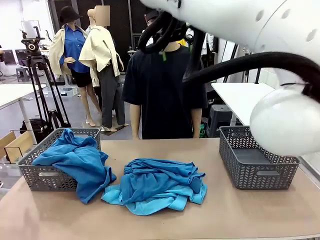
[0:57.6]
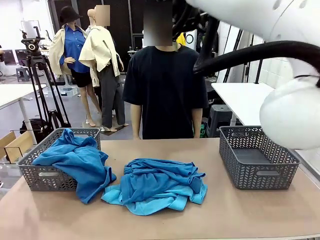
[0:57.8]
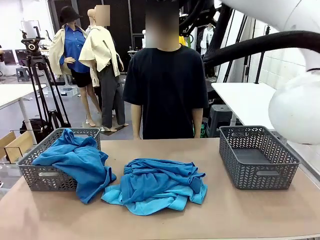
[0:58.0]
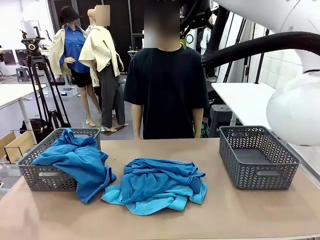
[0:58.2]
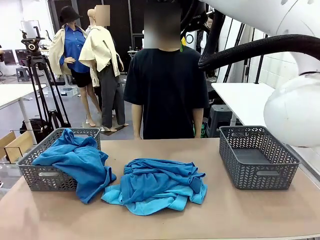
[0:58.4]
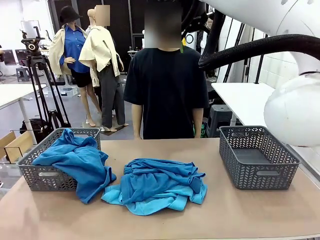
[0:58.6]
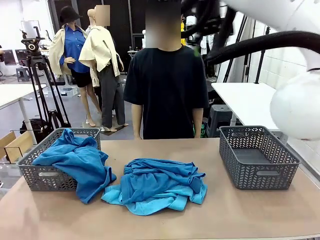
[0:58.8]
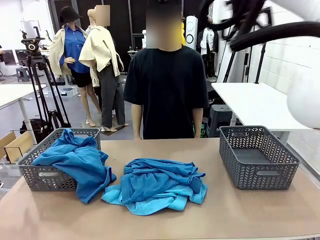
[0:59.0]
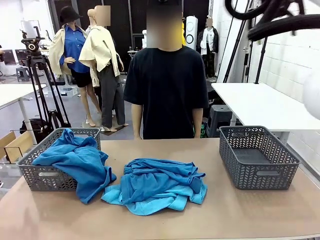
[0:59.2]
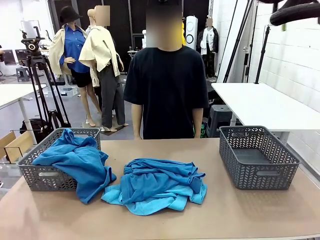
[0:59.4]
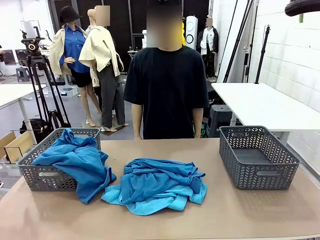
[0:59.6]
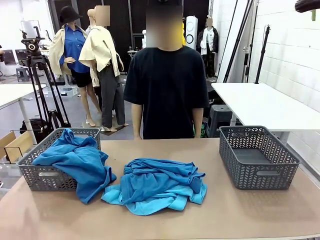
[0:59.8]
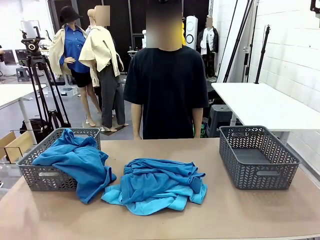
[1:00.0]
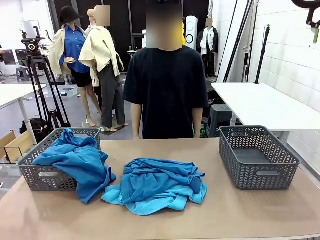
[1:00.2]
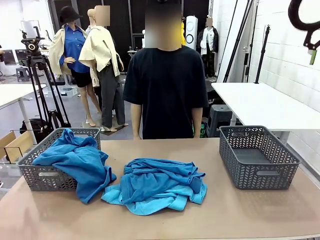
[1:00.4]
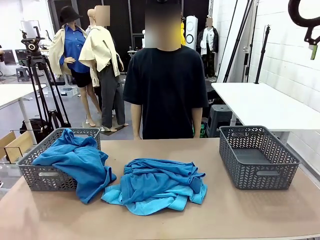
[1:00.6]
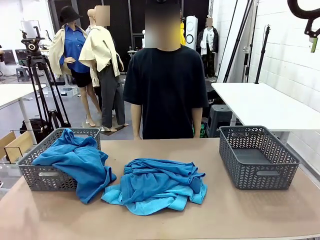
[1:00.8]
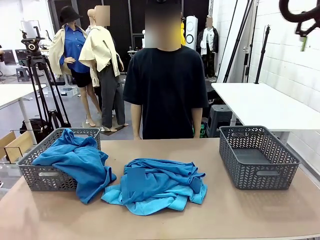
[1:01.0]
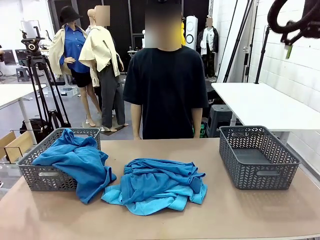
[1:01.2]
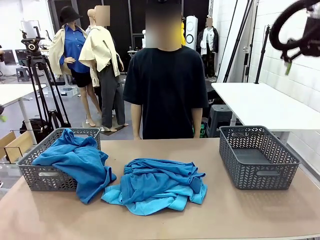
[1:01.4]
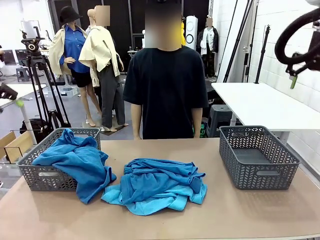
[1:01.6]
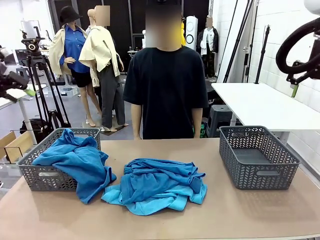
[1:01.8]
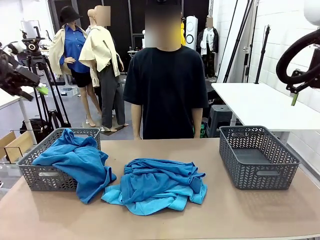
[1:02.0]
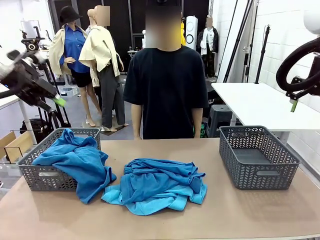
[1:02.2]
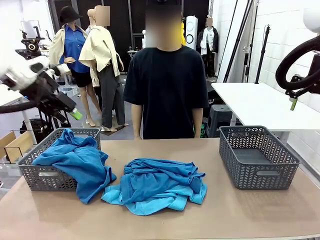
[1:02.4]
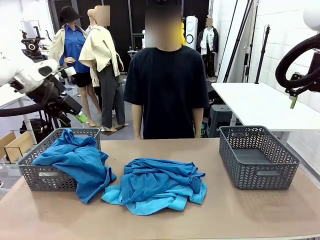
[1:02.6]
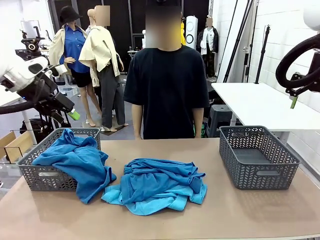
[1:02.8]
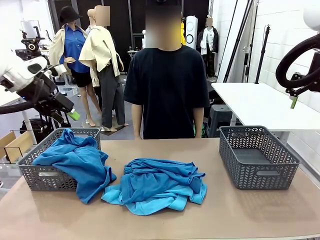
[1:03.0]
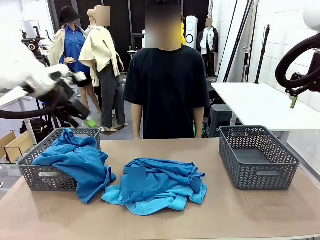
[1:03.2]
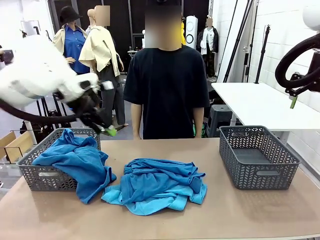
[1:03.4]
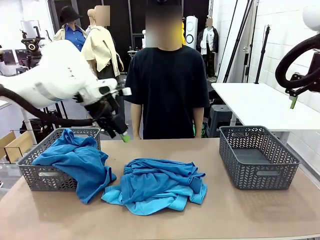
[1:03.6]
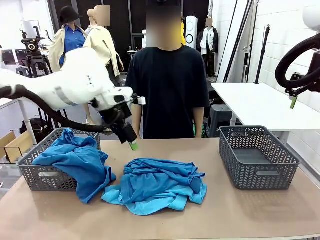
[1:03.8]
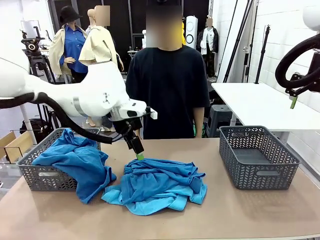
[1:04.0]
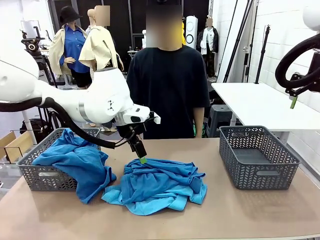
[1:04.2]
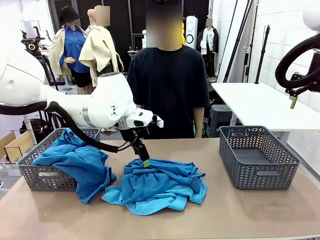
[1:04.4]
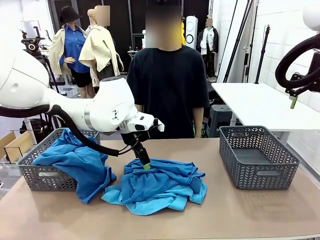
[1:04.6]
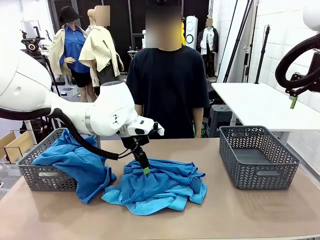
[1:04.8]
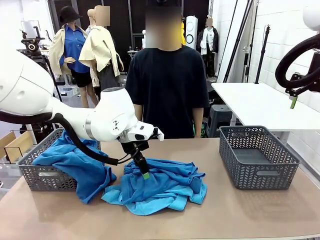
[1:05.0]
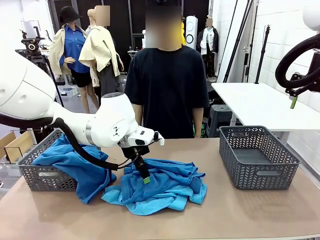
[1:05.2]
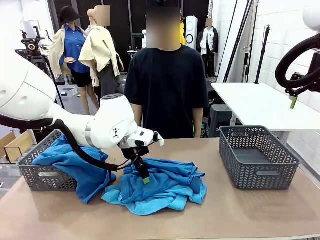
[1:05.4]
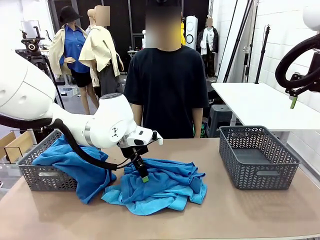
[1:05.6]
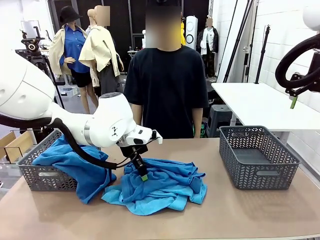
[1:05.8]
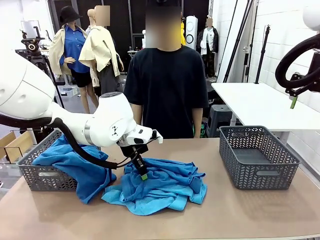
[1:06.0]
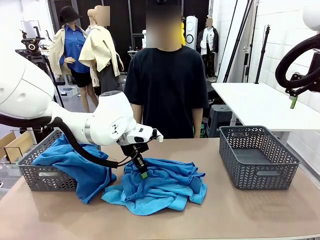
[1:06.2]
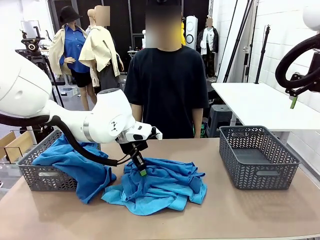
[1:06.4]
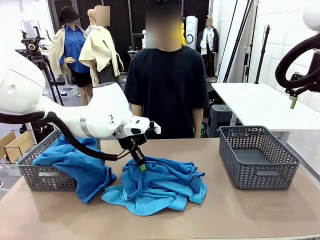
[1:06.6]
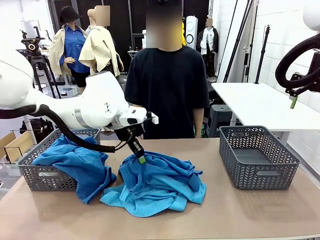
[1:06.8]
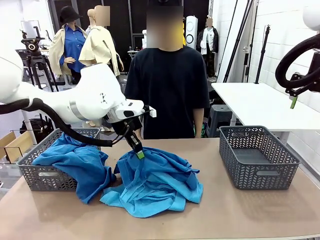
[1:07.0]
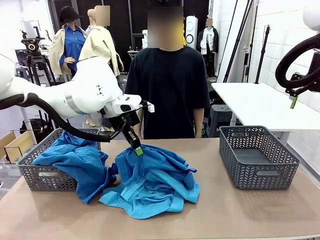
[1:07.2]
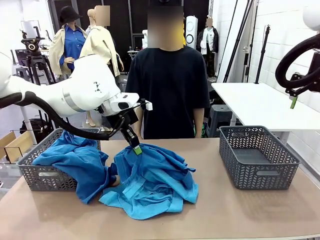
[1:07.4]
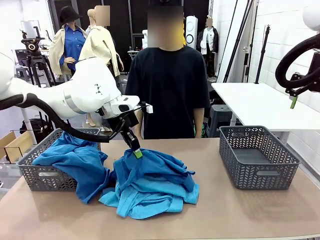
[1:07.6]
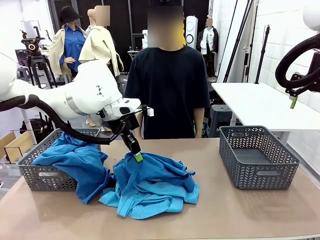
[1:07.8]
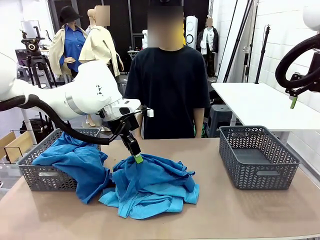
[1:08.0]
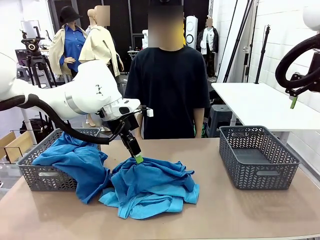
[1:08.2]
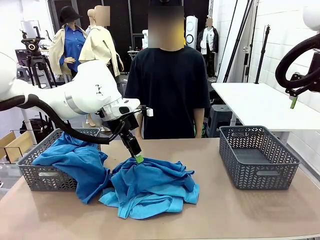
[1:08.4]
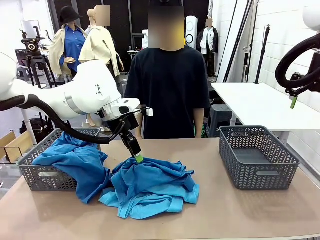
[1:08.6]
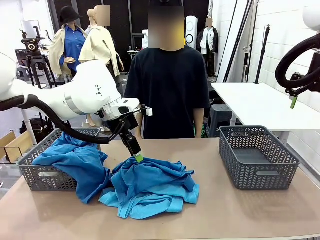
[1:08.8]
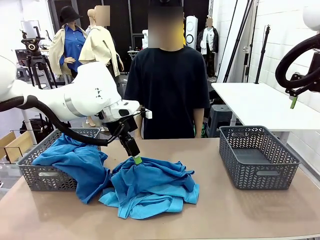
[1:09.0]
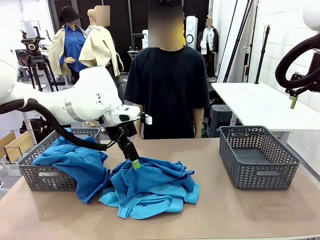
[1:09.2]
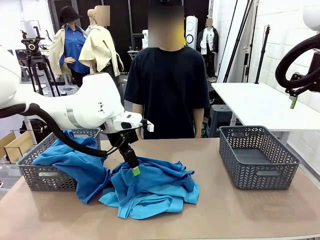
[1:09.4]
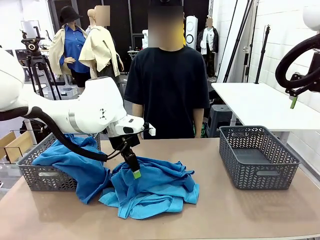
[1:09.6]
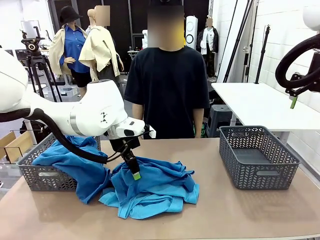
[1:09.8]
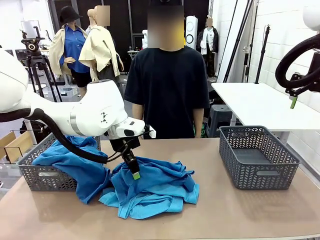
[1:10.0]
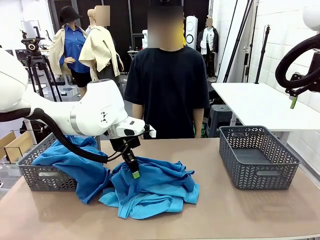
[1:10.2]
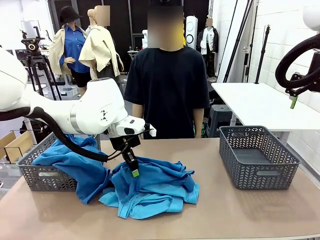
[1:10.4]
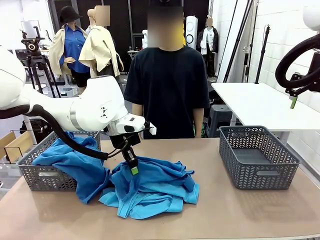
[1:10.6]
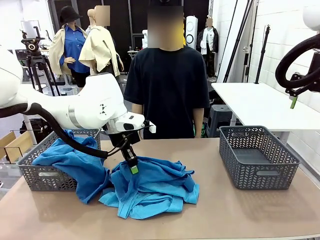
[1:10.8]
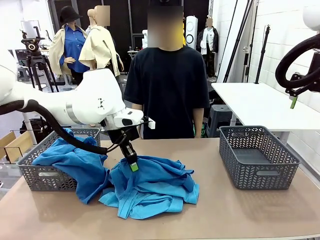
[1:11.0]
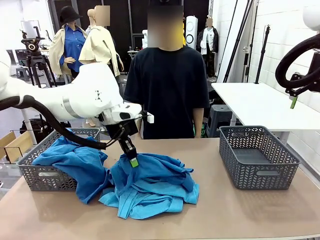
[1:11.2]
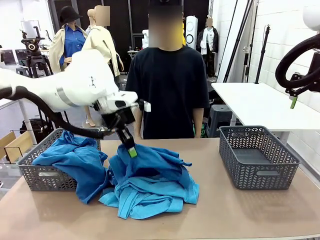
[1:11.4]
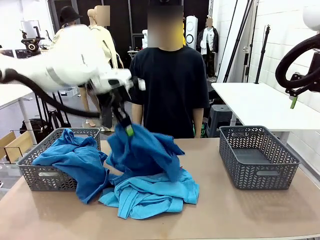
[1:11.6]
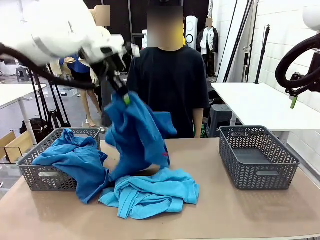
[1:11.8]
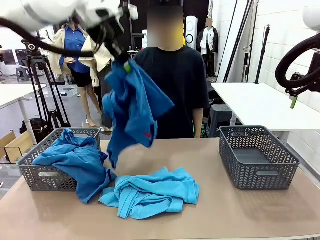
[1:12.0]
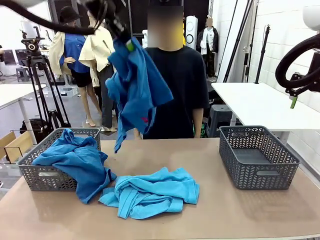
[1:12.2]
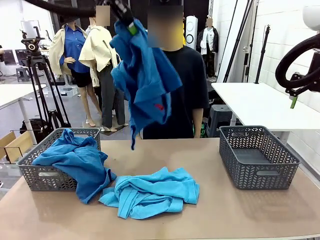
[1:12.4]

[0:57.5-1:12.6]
Task: Sort the tops and bottoms.
Robot: Lift clothes from the center of the table with your left hand.

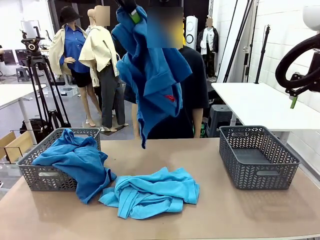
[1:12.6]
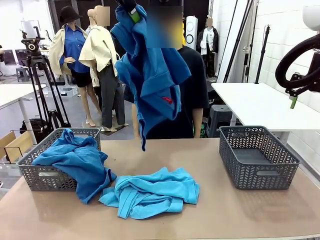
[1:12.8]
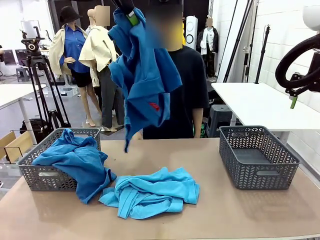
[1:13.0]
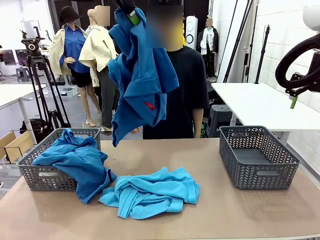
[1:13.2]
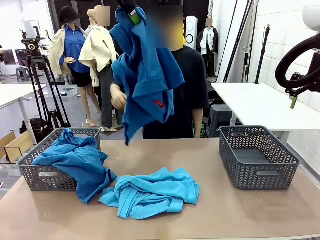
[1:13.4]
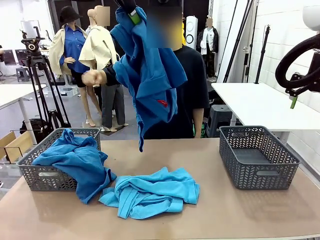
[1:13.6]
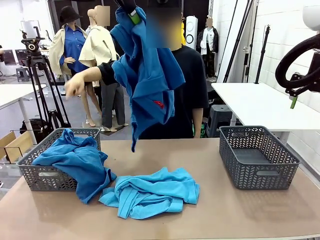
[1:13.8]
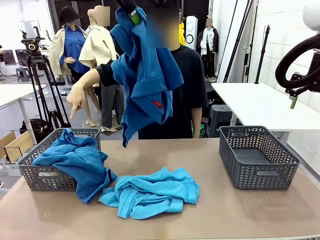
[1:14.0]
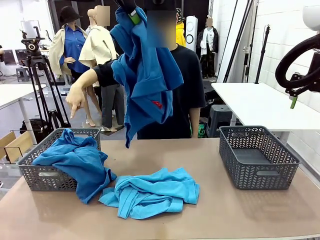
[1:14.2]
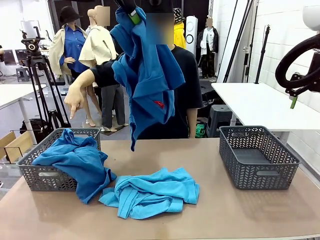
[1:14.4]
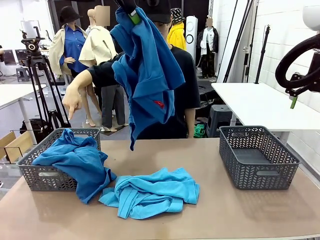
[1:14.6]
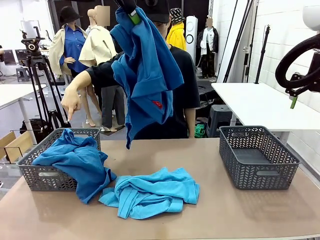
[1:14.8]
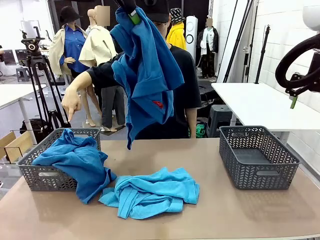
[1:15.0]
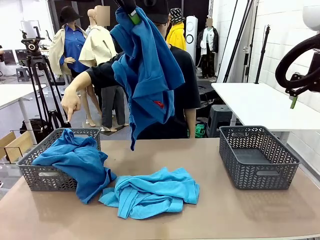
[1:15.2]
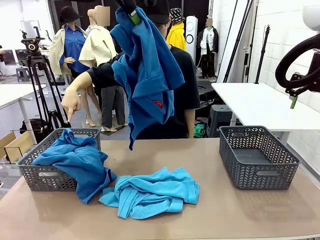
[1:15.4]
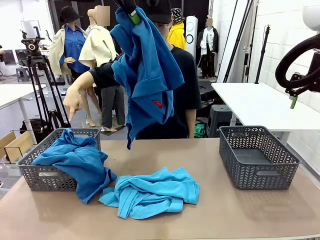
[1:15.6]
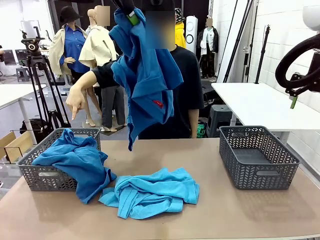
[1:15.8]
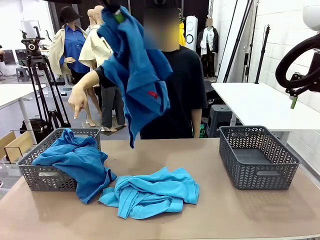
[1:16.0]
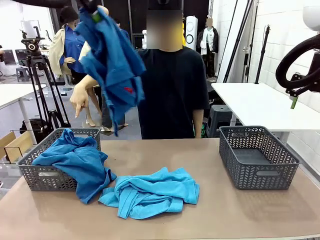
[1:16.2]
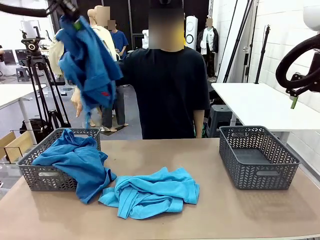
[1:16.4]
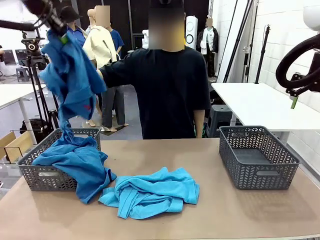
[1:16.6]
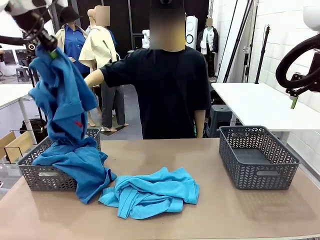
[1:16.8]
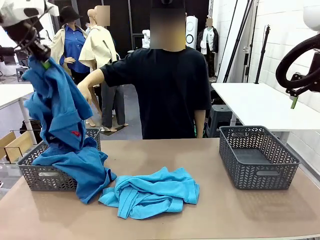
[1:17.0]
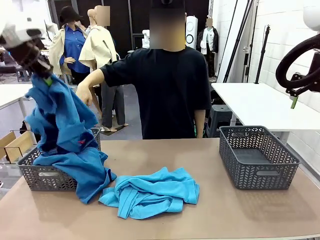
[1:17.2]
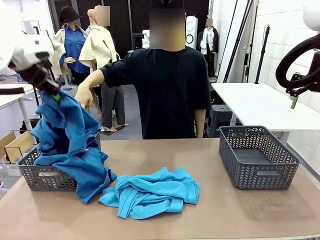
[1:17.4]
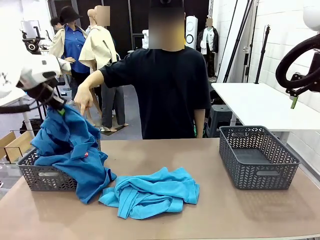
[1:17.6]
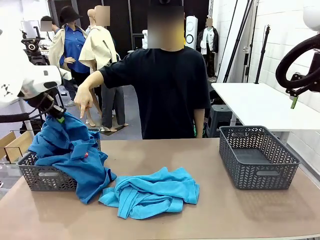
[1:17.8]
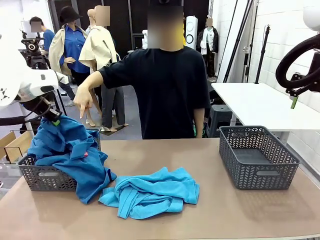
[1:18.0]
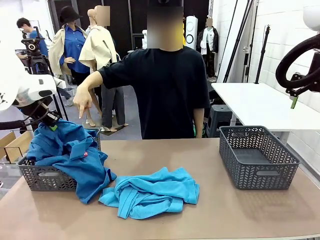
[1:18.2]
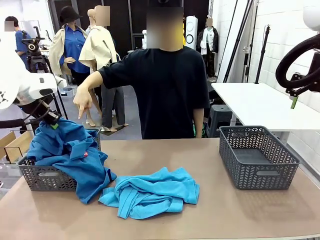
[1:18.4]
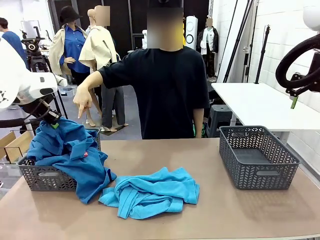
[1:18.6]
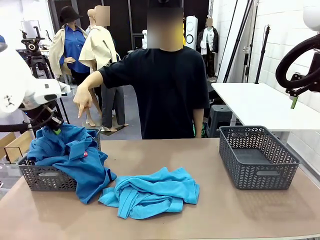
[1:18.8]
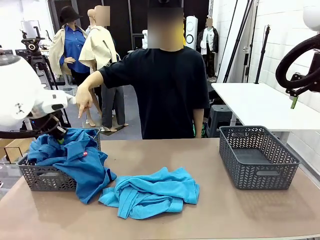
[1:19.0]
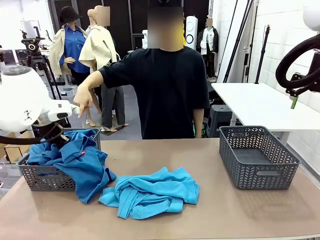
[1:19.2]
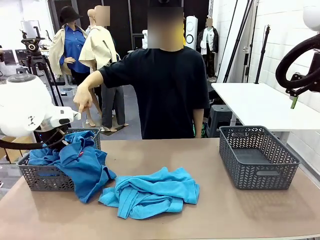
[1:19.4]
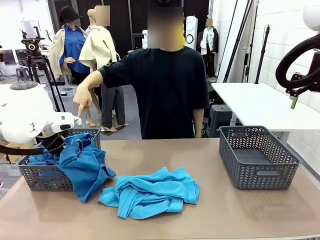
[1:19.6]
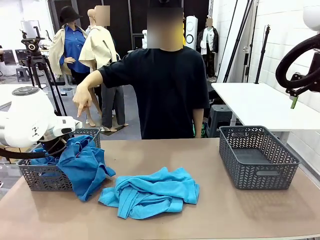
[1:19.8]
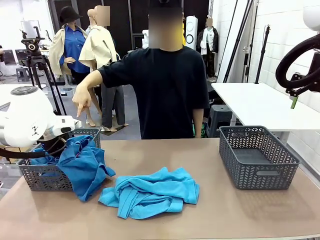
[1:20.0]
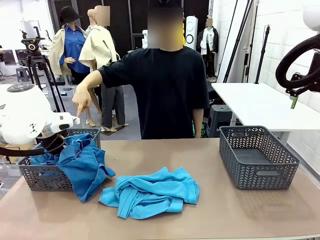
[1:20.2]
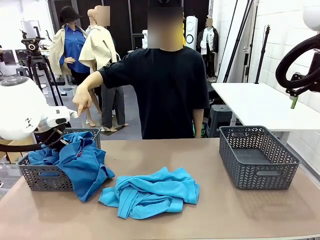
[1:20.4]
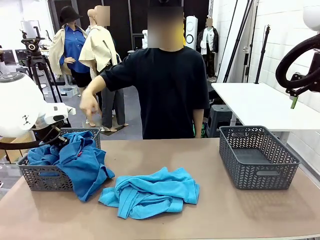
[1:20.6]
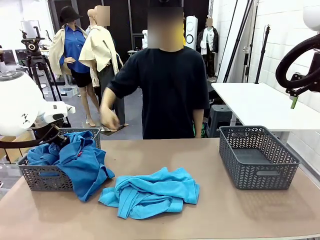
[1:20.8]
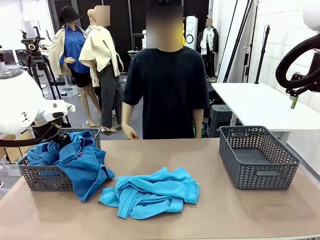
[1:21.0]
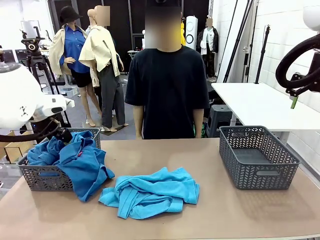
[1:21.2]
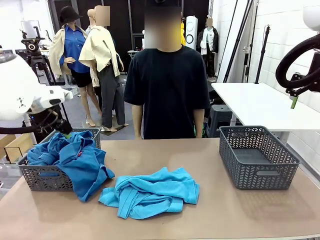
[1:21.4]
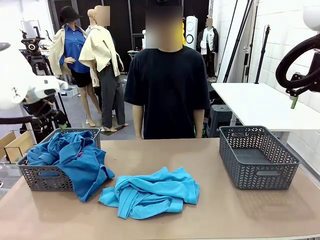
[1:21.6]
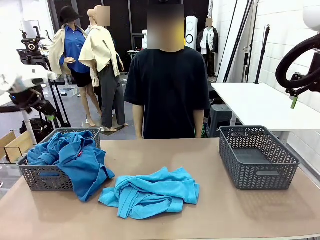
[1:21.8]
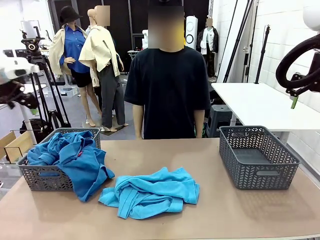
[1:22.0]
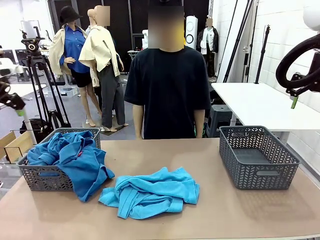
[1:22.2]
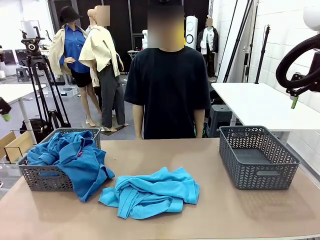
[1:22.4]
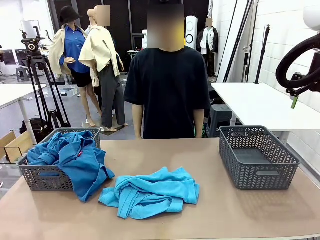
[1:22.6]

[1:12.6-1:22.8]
Robot: Sort the clothes according to human instructions.
